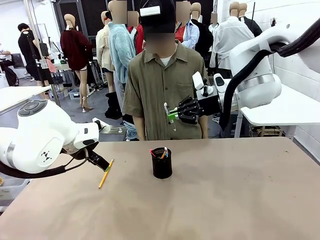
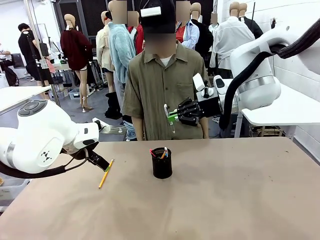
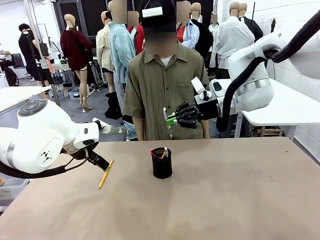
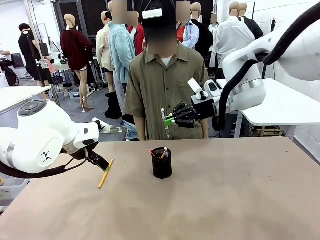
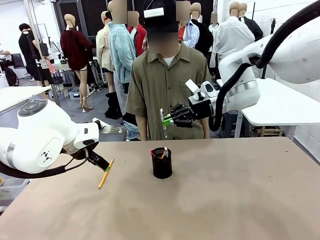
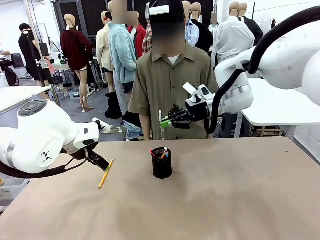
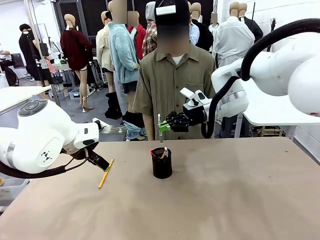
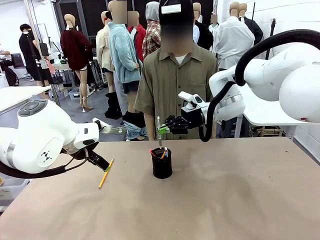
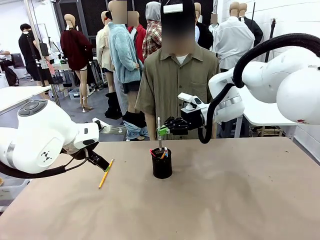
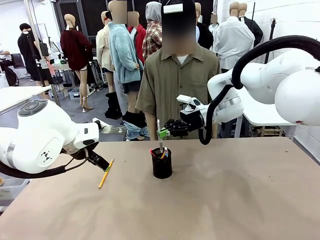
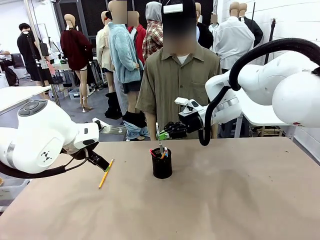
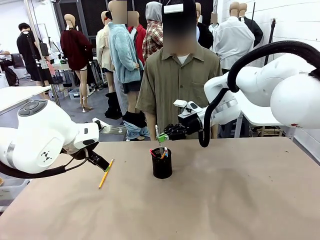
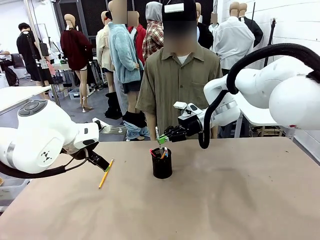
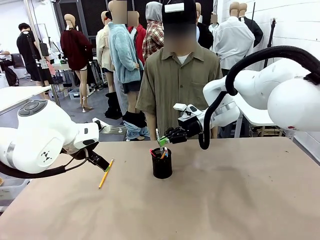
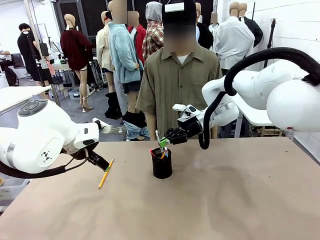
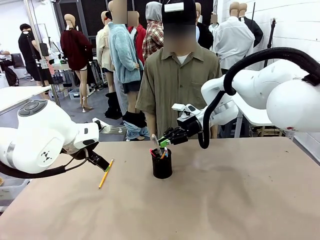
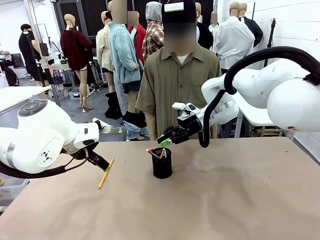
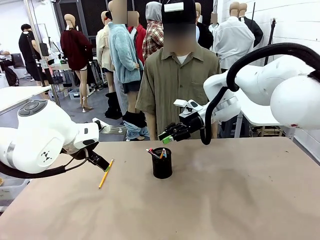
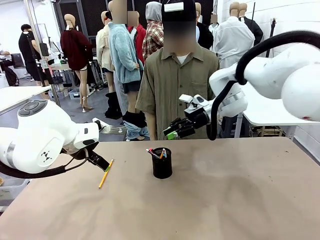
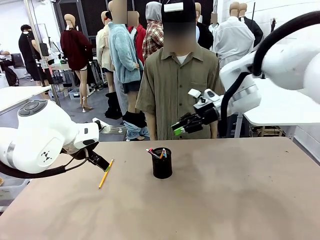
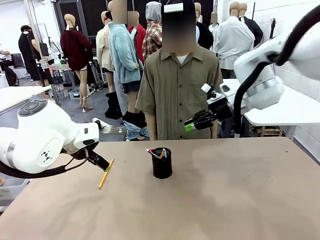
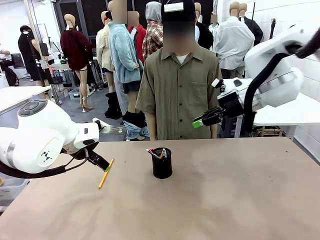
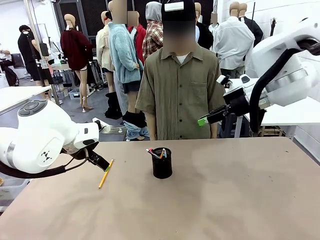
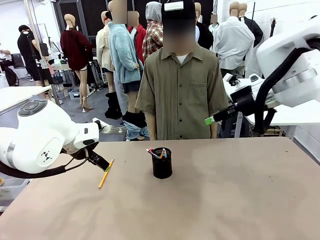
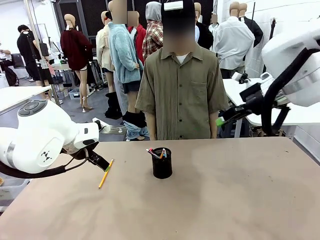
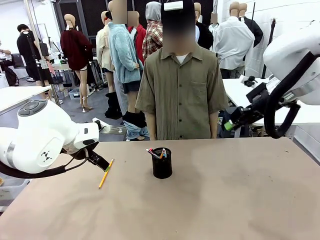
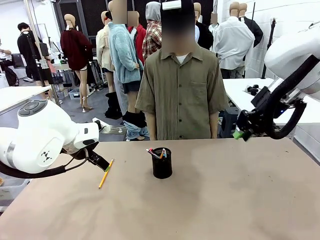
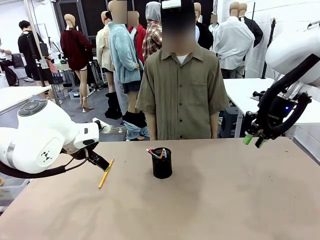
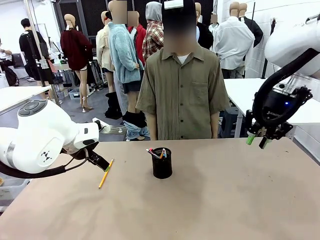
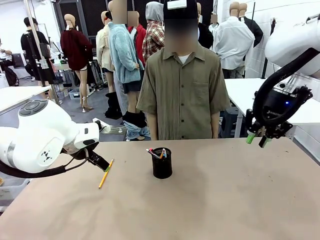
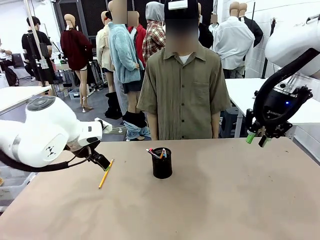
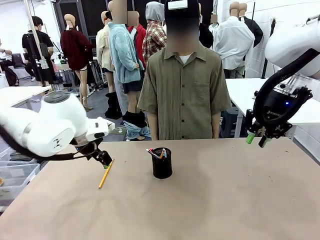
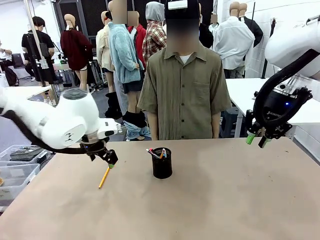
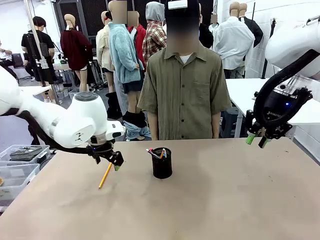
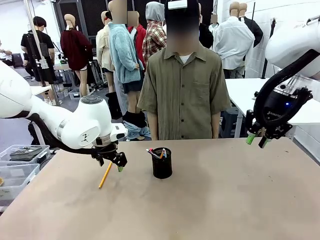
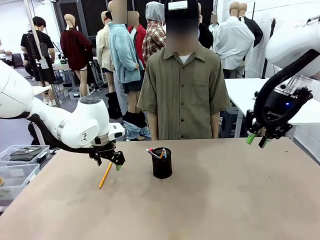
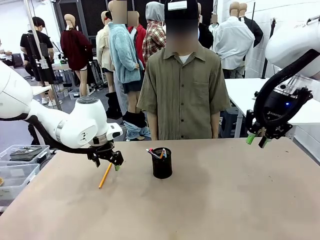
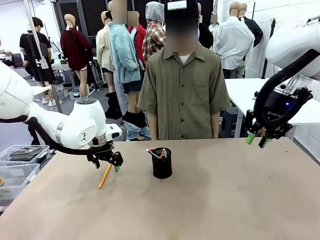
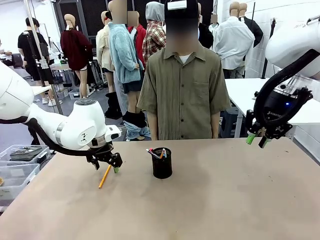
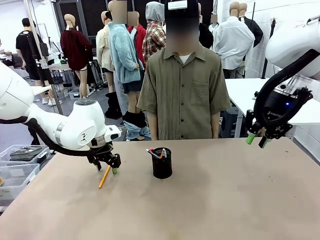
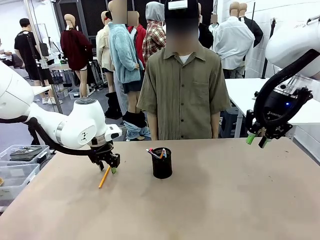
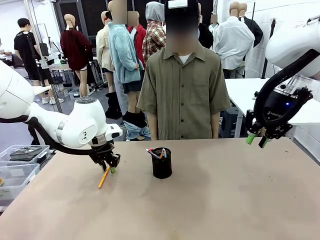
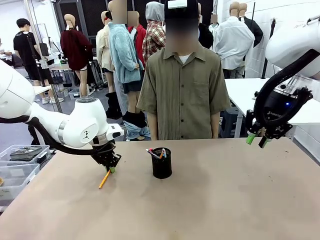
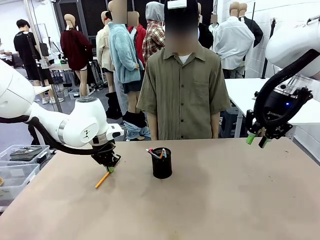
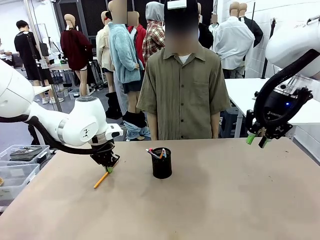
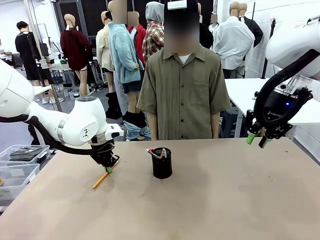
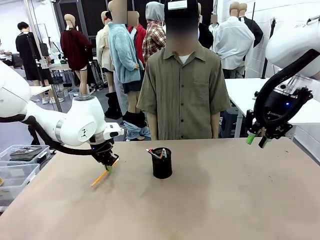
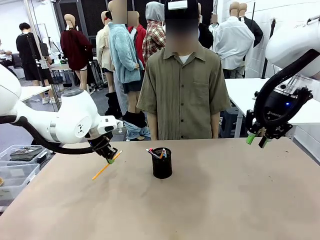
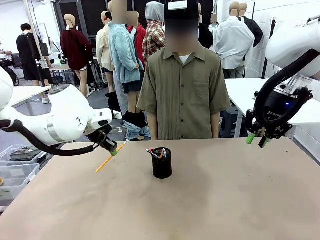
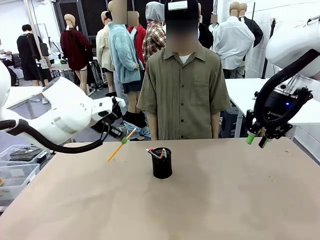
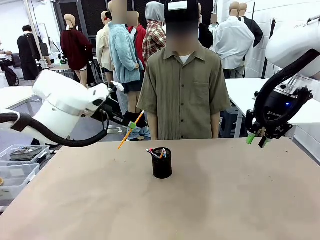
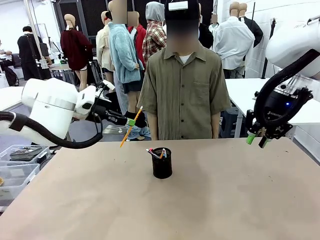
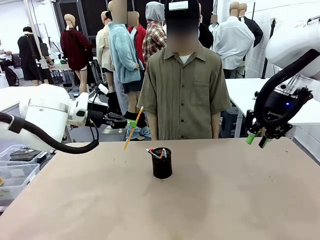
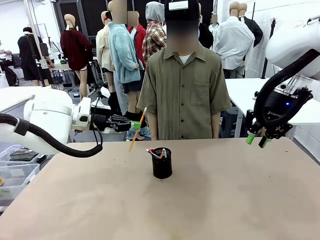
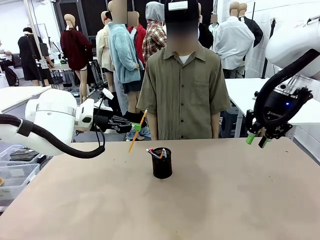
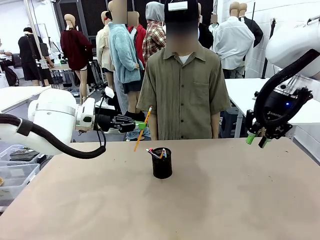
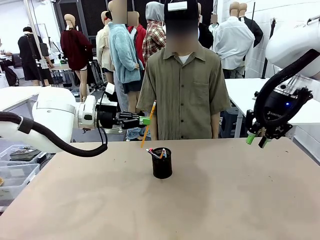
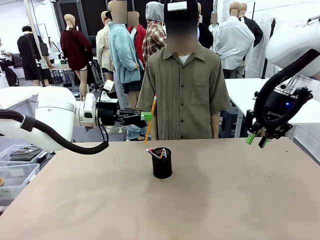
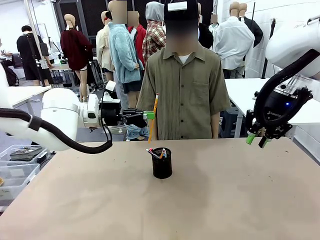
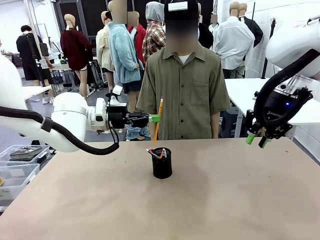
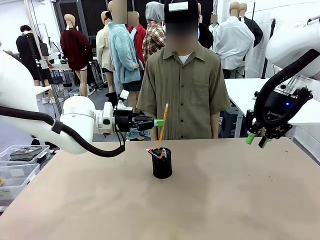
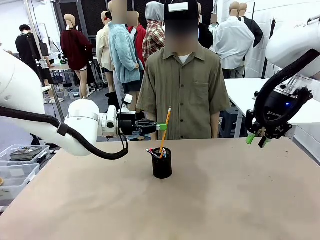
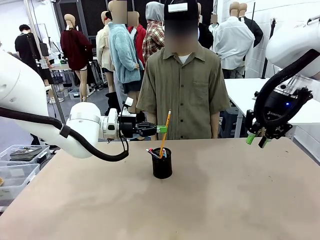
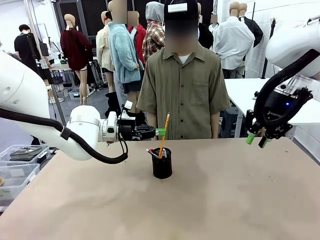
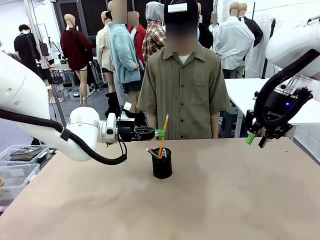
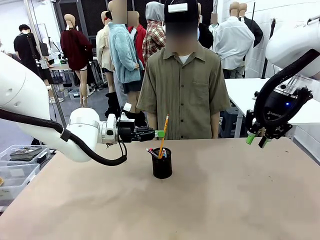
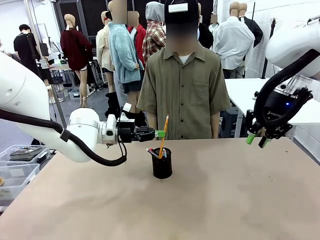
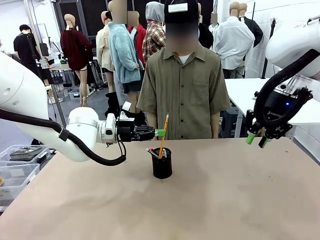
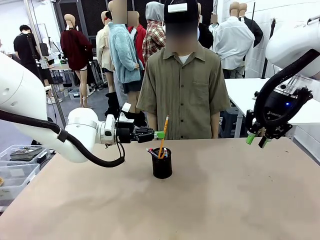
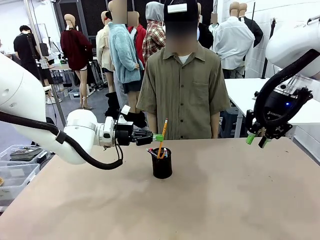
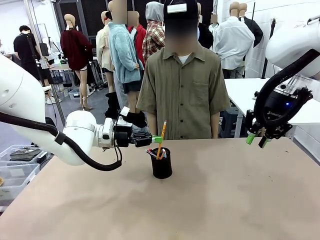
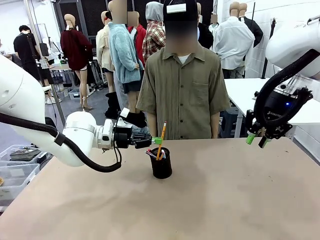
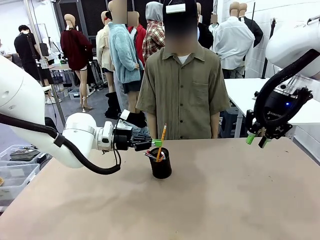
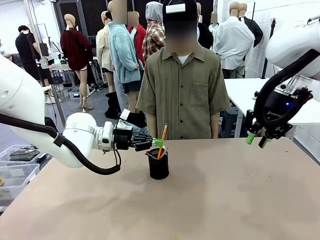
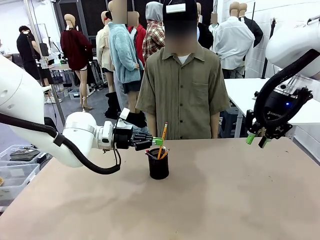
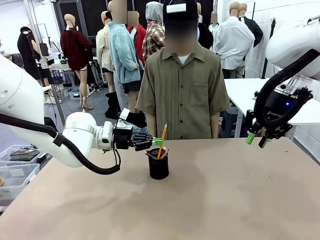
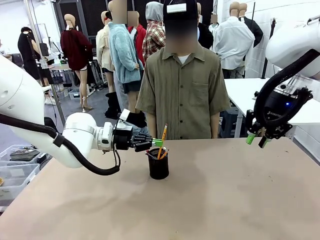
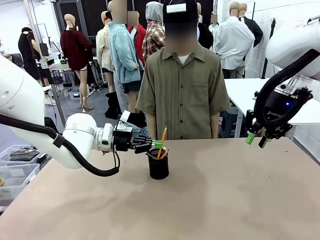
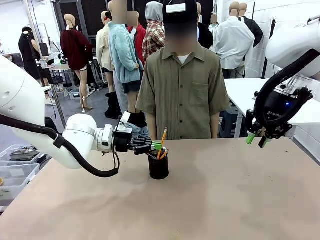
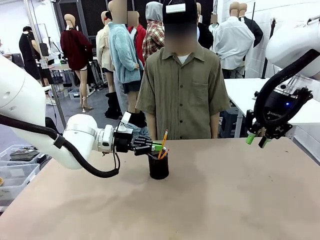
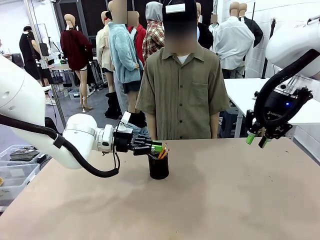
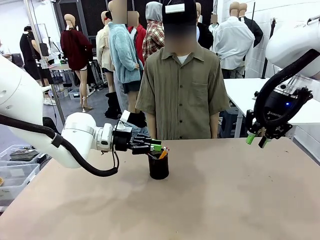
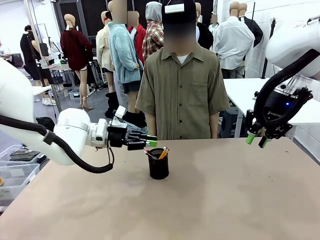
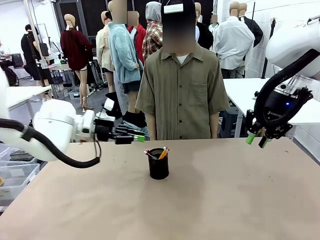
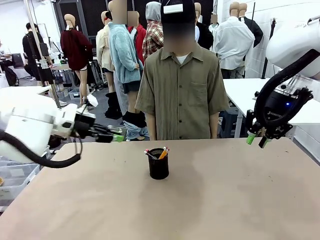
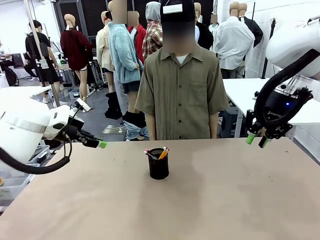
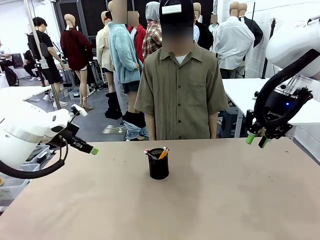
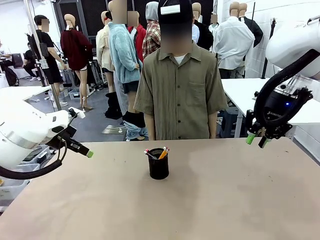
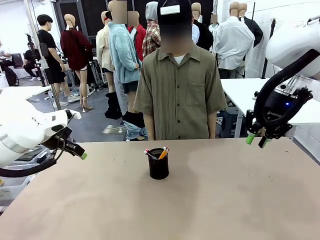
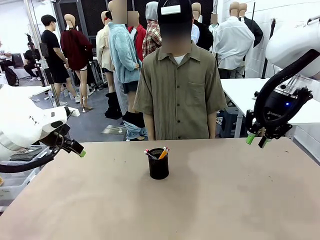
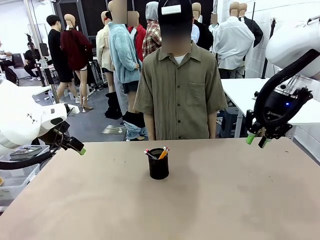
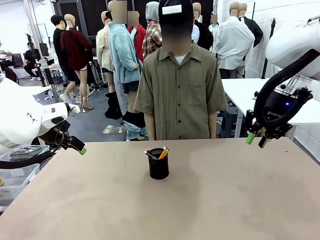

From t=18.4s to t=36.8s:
Task: Place the pens into the pen holder.
Robot: Pick up a writing instrument from the table and place it into the Pen holder.
Person: Place all writing instrument into the Pen holder.
